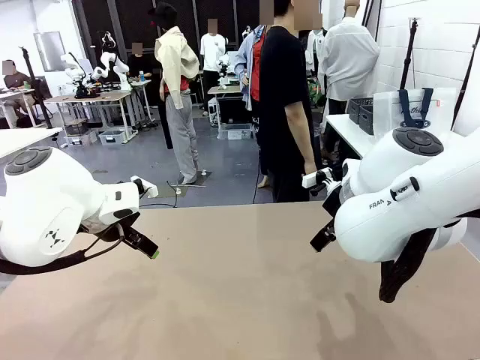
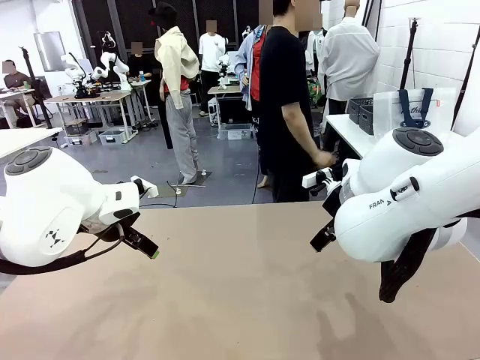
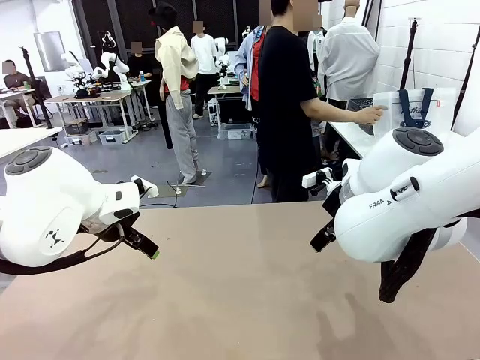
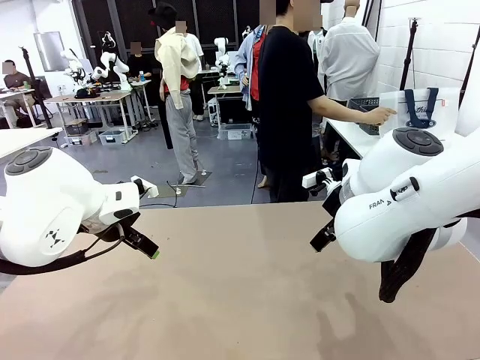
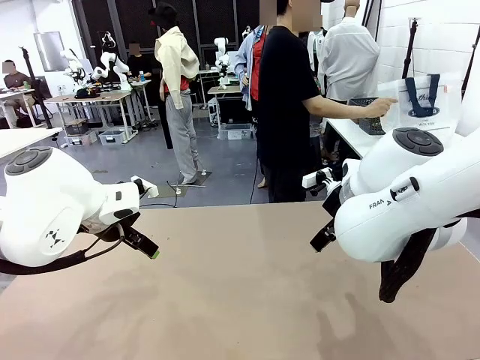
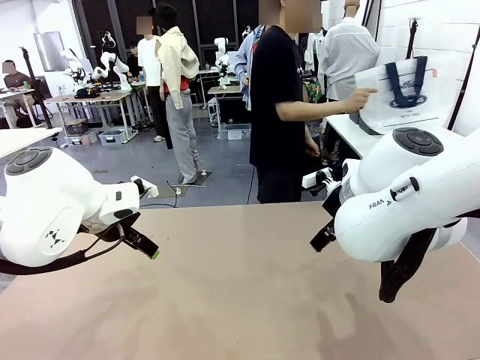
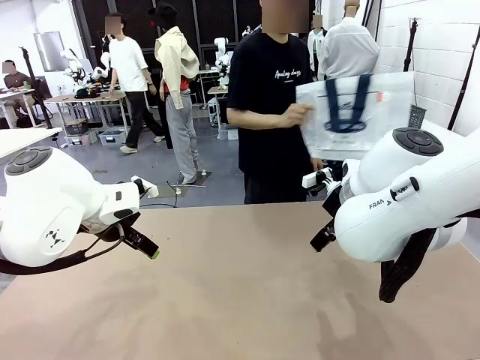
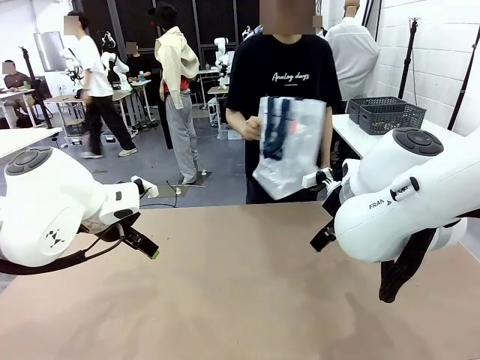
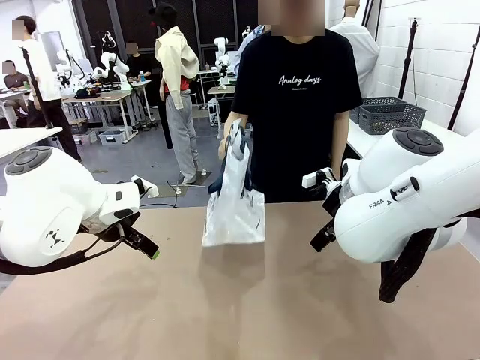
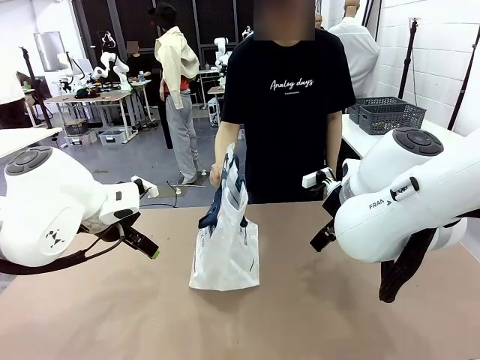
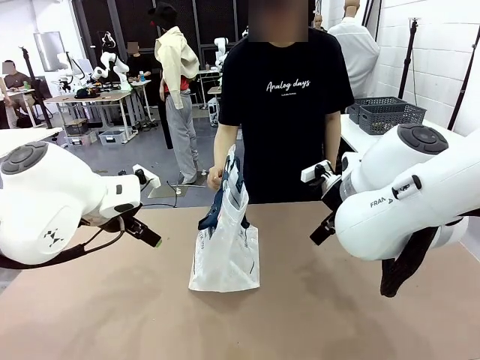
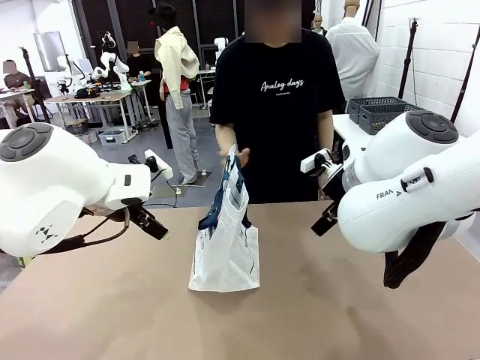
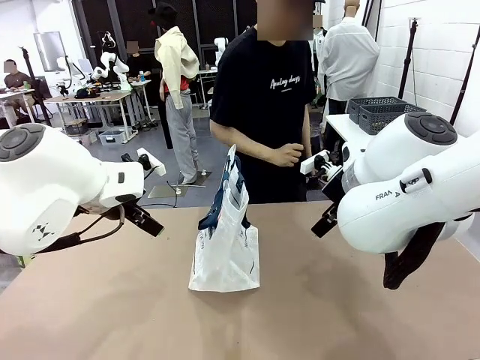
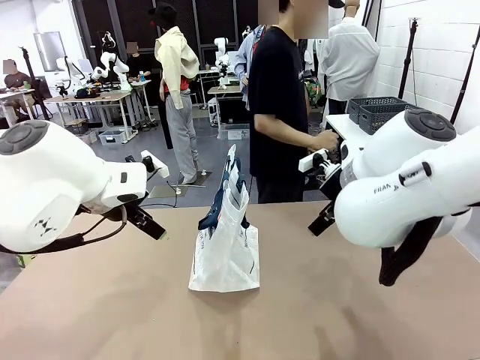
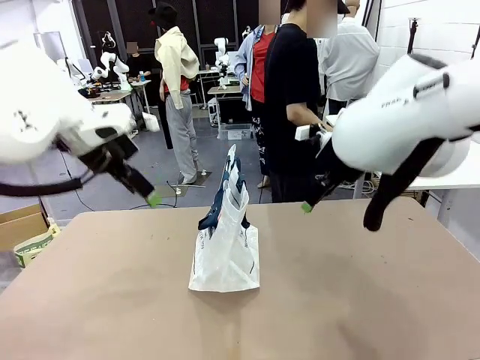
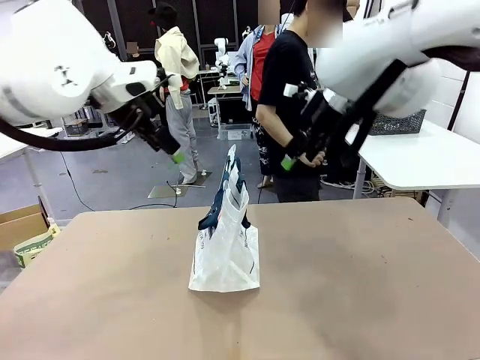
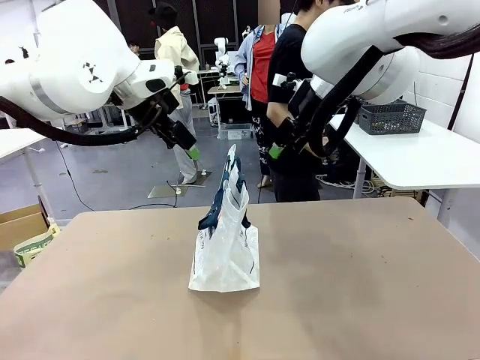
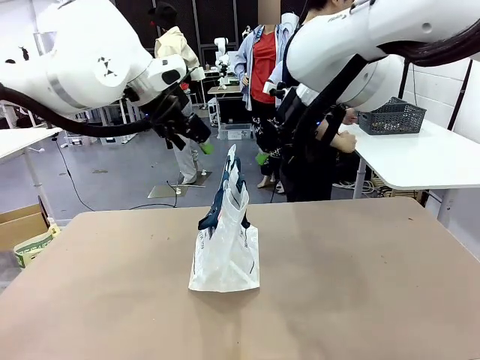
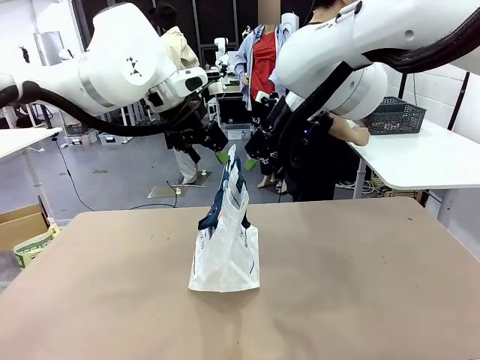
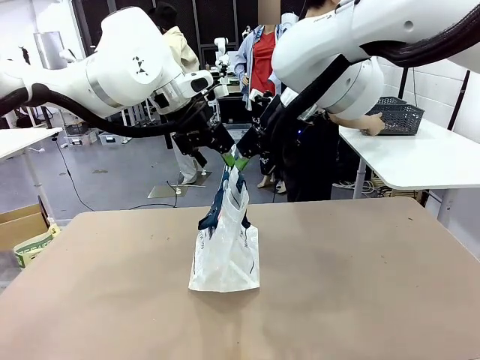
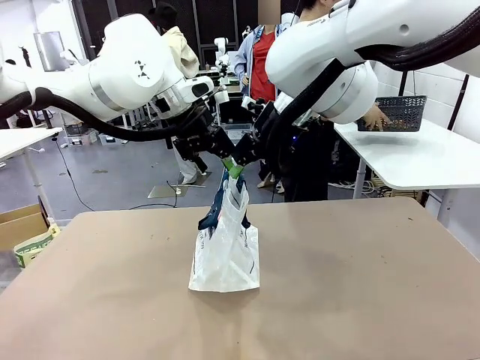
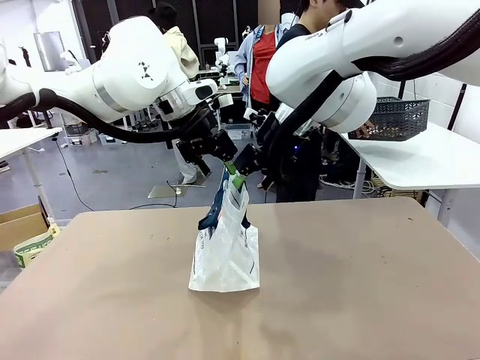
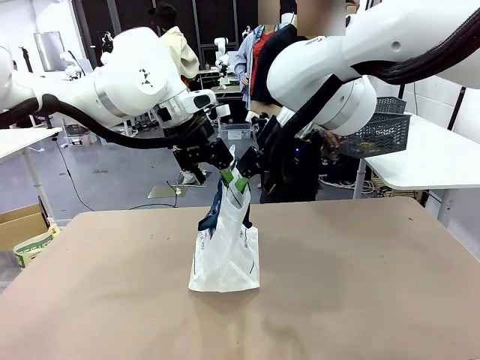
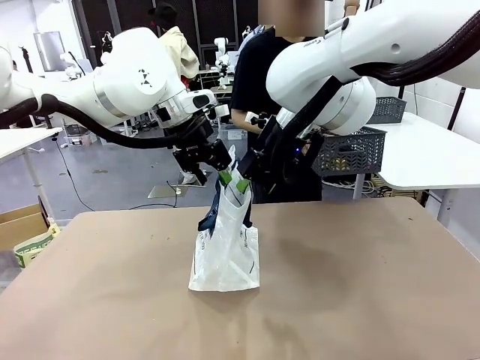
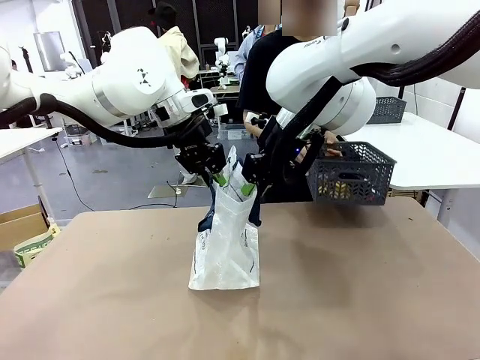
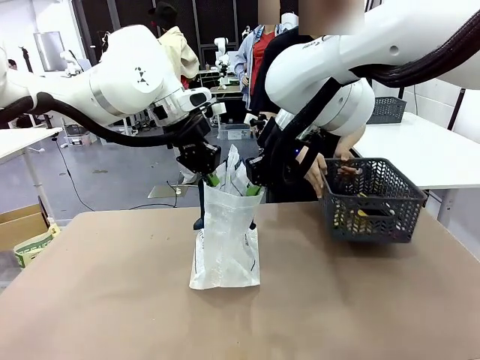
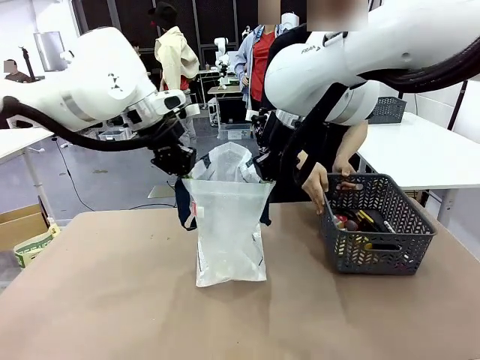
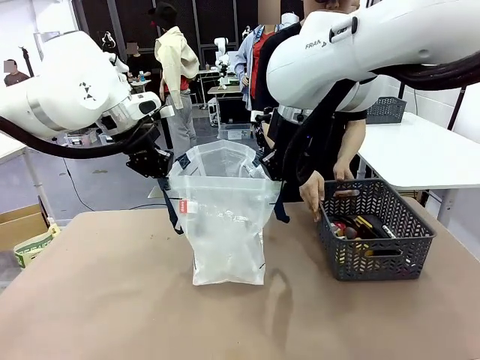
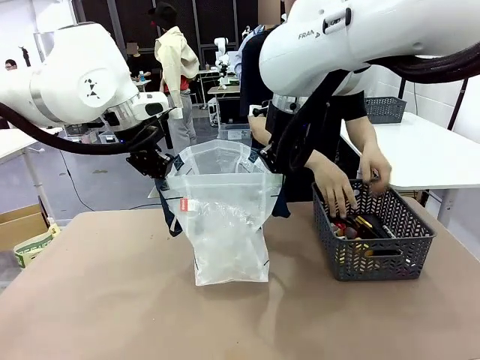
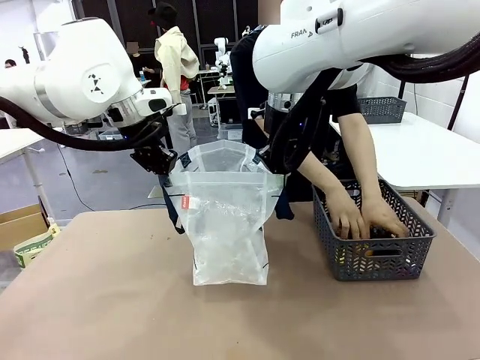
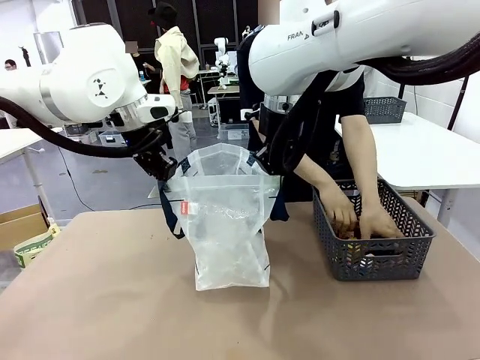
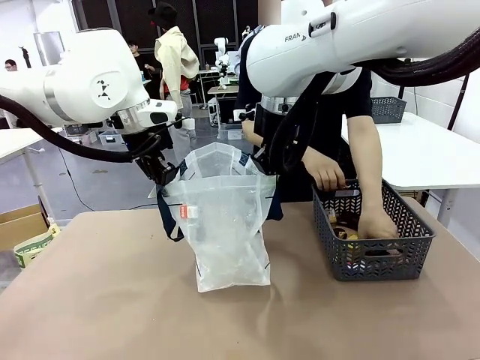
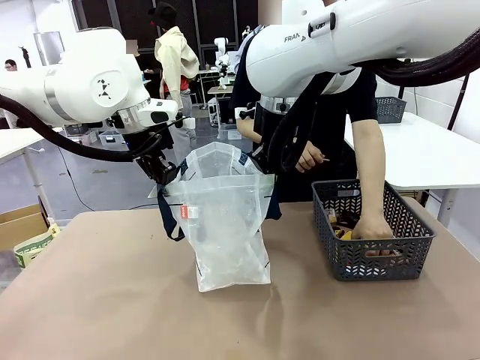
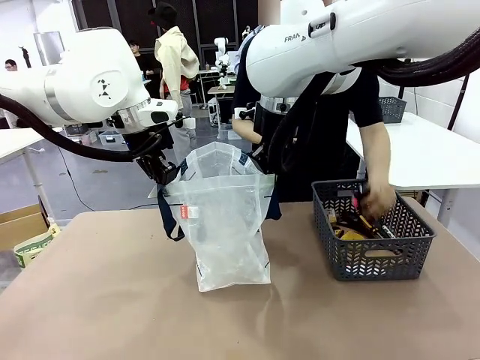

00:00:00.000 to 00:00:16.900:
Task: Transfer purchased items from the store into the shopping bag.
Robot: Open the Reusable shopping bag in the center of the table.
Person: Pick up the shopping bag and place it in the middle of the robot table.

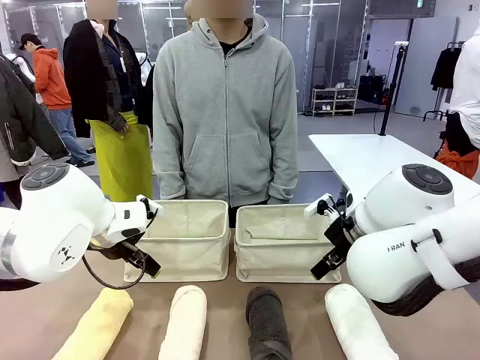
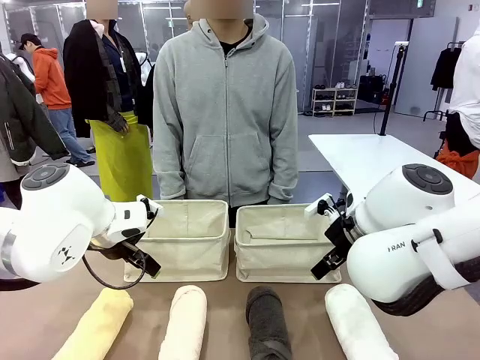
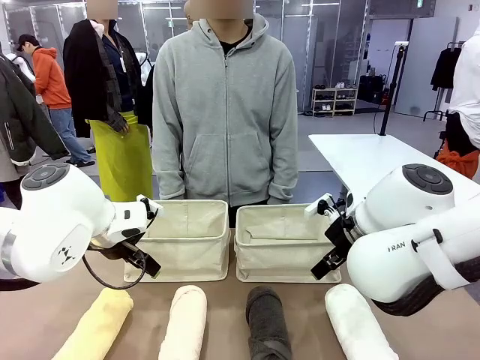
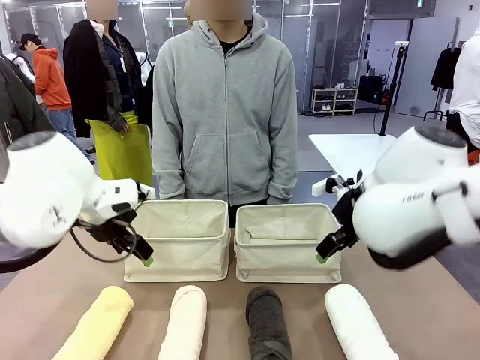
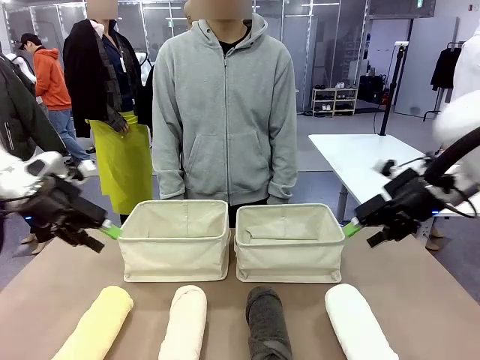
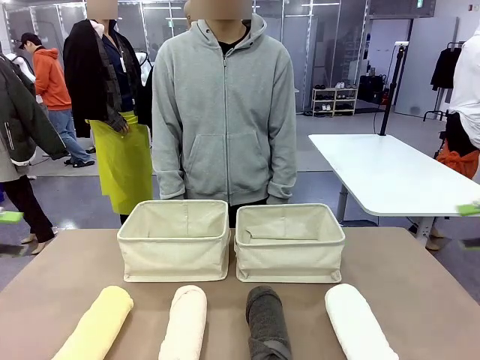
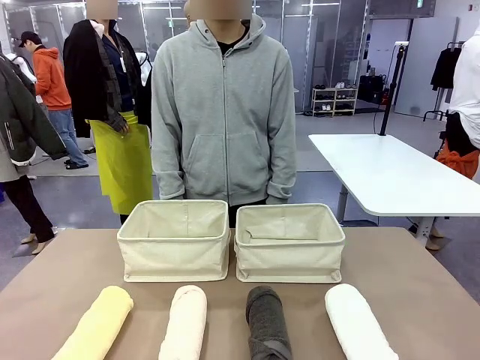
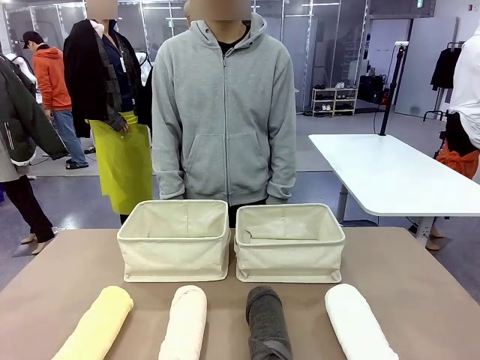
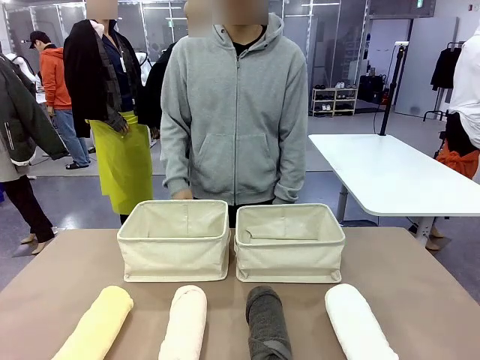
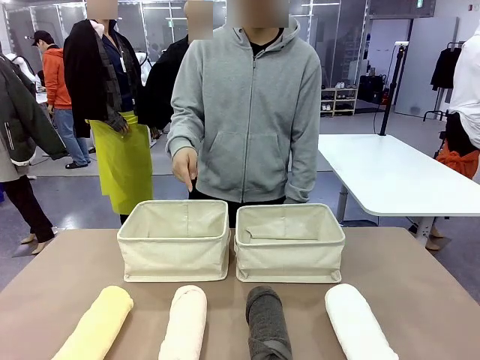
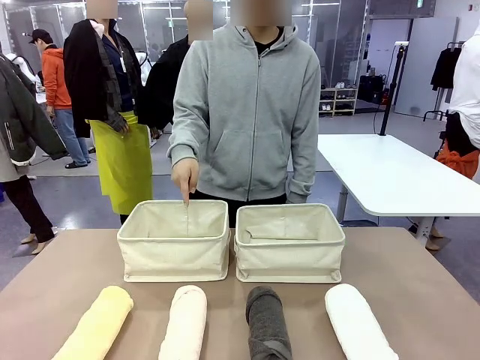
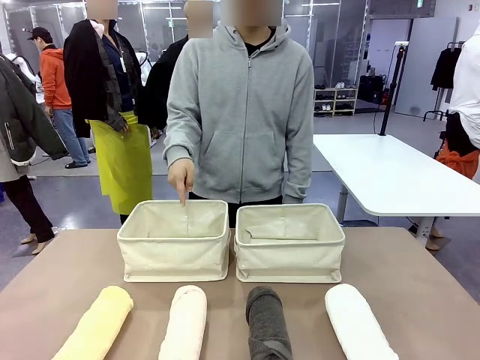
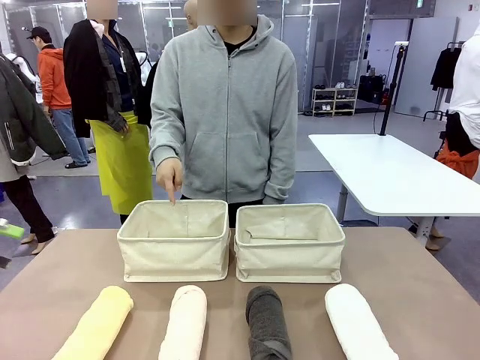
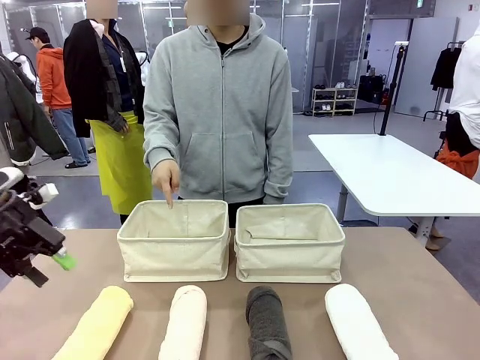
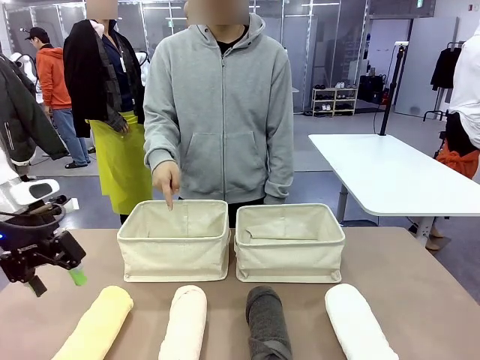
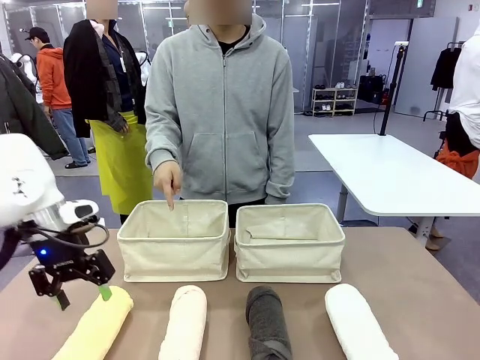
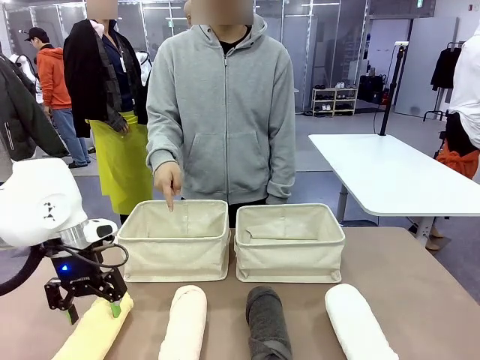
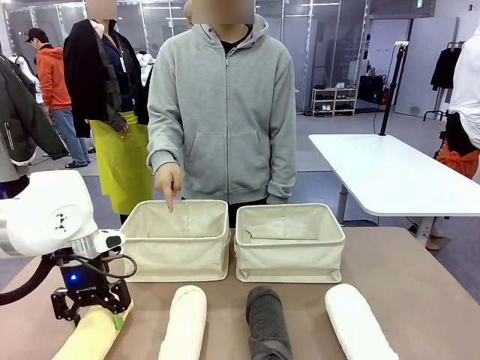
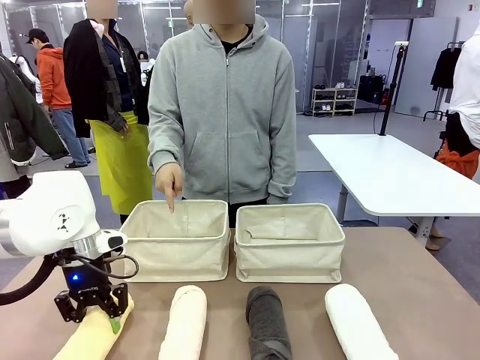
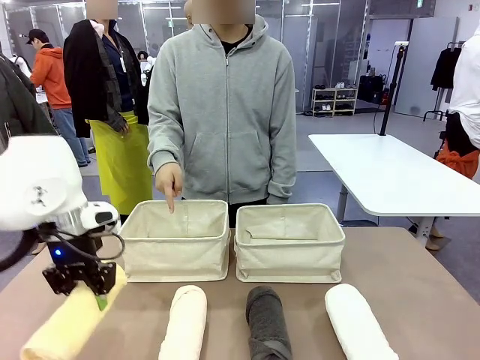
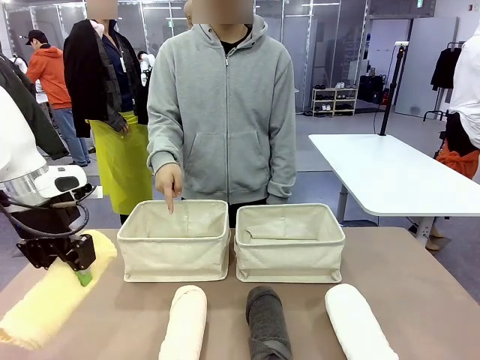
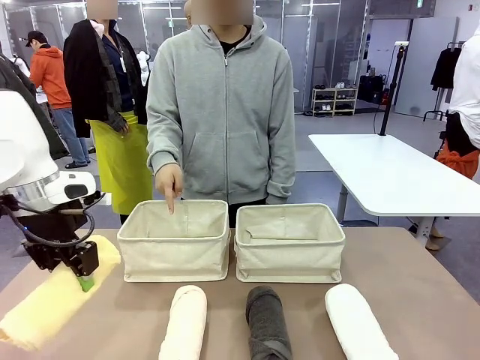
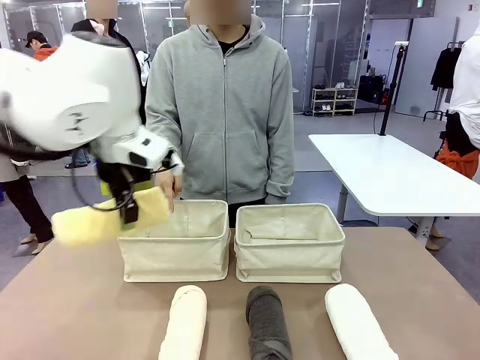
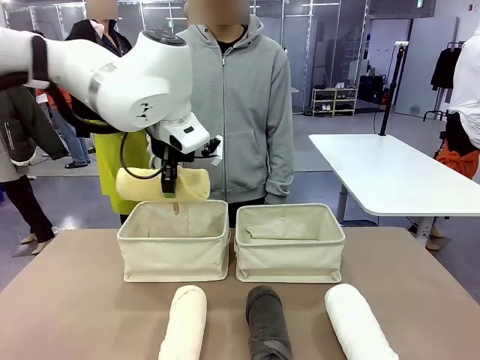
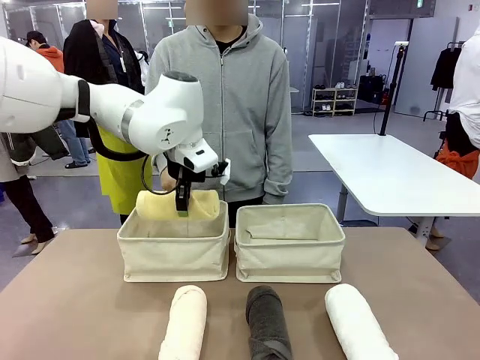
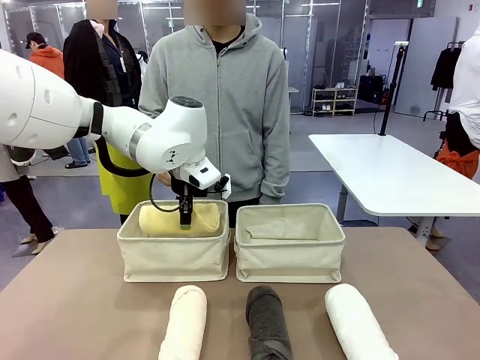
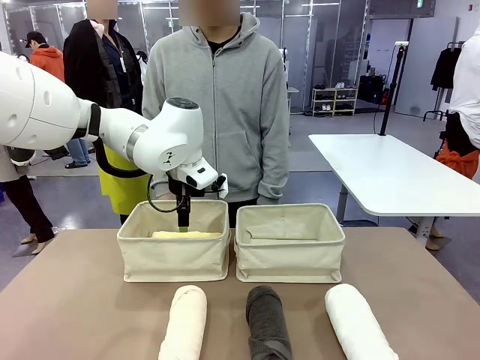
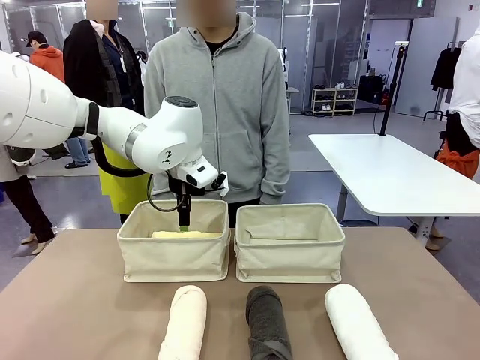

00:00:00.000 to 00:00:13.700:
Task: Divide the towels into two baskets.
Robot: Pick up one hotel-folded towel and place it in the Fabric basket indicated by the person.
